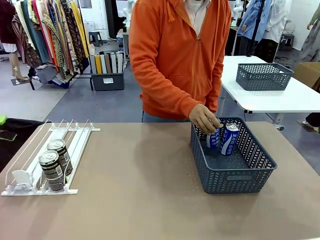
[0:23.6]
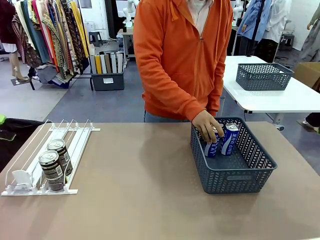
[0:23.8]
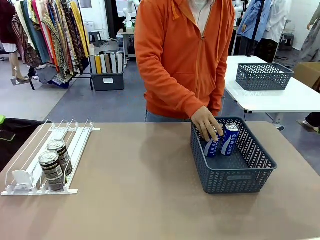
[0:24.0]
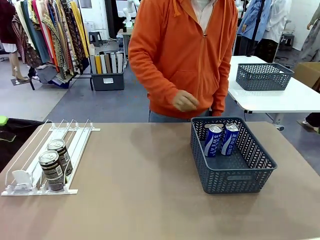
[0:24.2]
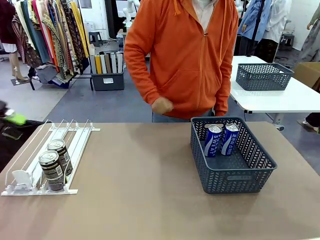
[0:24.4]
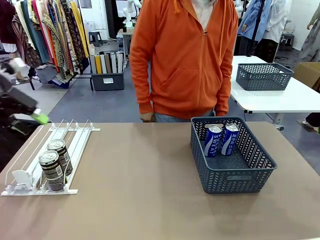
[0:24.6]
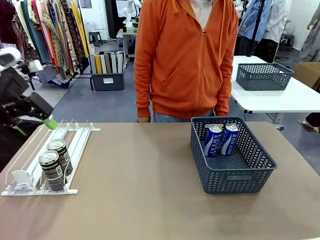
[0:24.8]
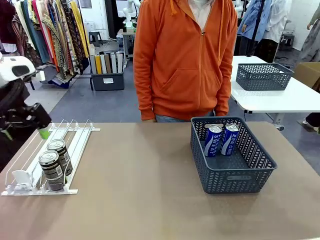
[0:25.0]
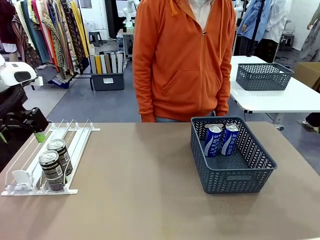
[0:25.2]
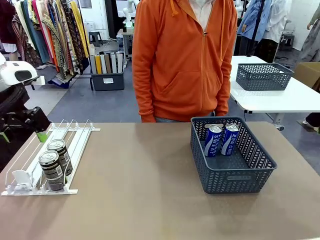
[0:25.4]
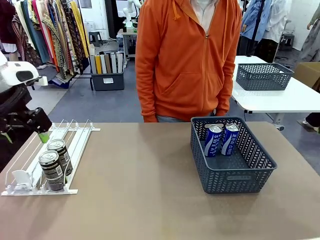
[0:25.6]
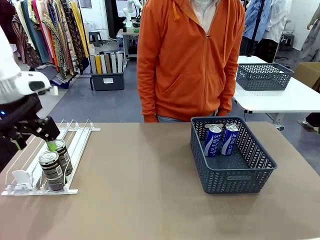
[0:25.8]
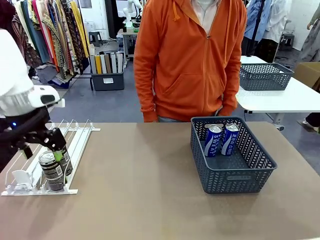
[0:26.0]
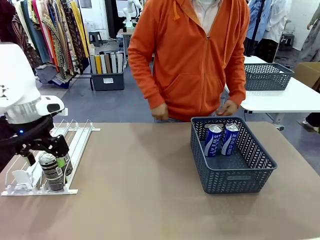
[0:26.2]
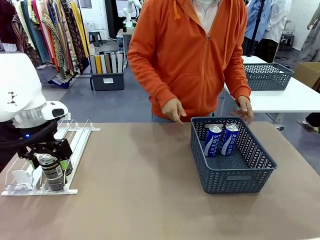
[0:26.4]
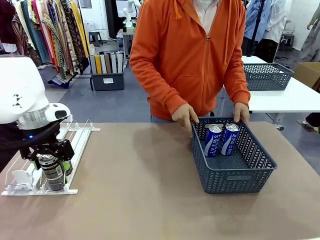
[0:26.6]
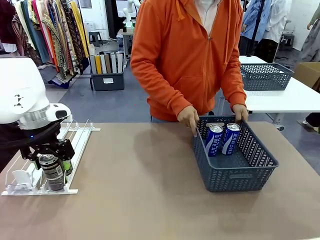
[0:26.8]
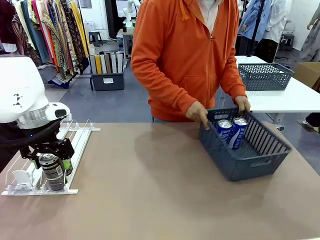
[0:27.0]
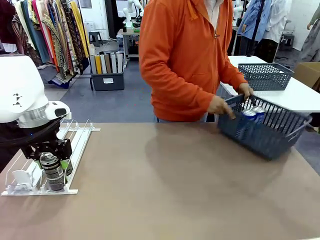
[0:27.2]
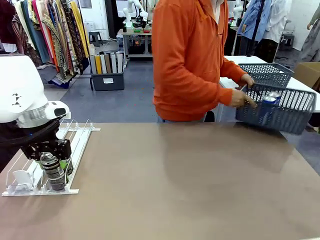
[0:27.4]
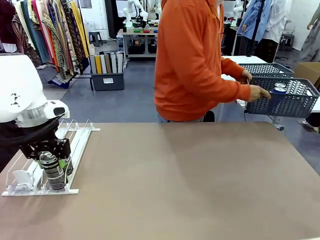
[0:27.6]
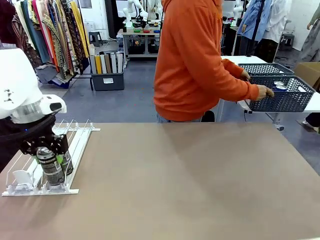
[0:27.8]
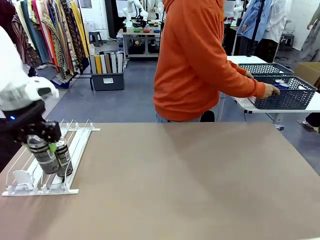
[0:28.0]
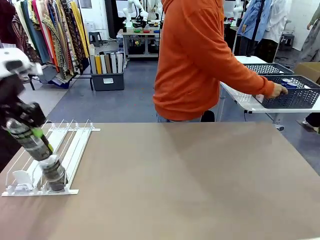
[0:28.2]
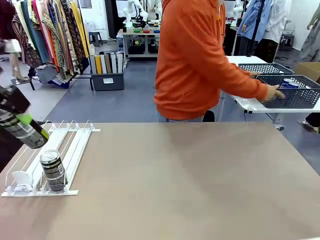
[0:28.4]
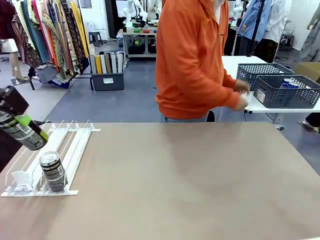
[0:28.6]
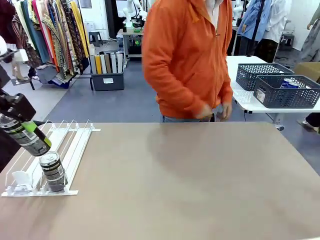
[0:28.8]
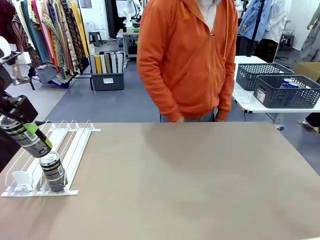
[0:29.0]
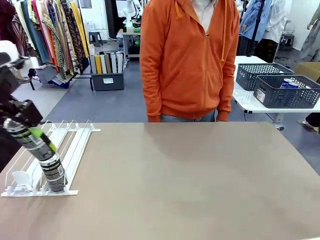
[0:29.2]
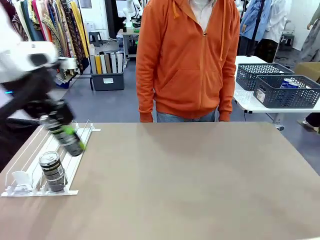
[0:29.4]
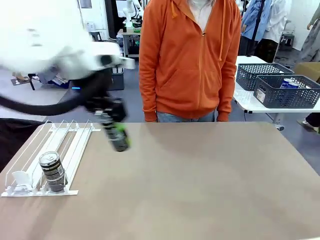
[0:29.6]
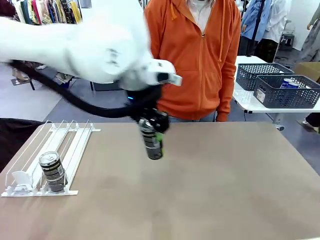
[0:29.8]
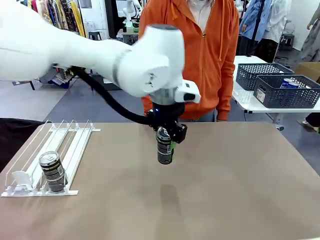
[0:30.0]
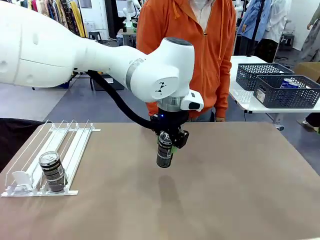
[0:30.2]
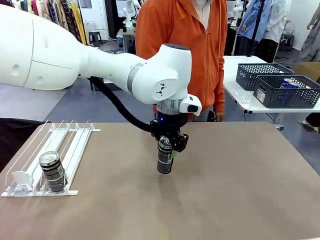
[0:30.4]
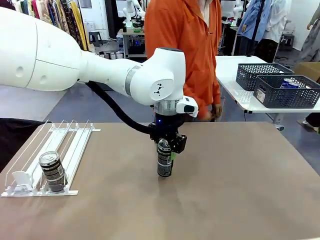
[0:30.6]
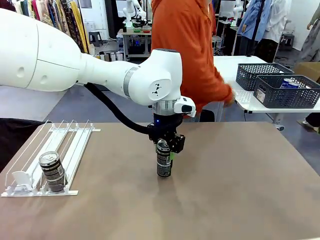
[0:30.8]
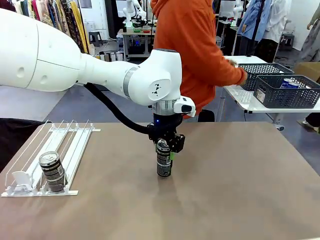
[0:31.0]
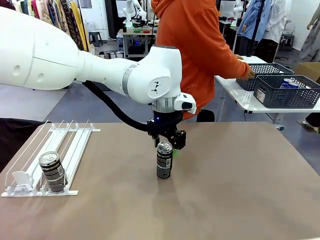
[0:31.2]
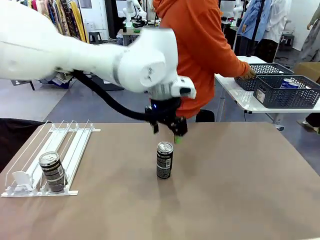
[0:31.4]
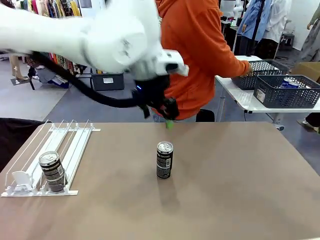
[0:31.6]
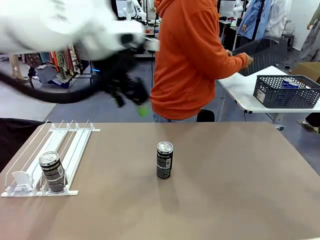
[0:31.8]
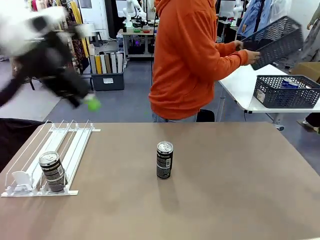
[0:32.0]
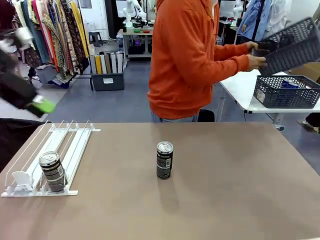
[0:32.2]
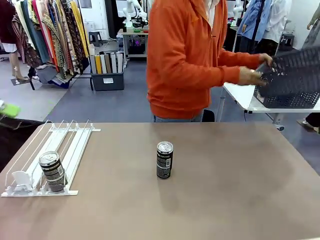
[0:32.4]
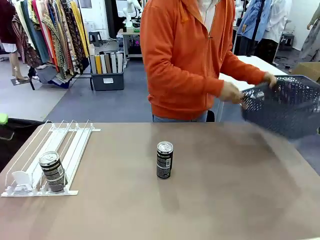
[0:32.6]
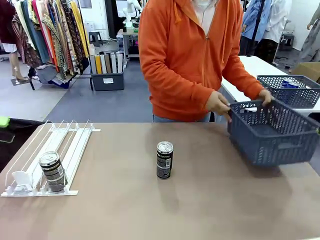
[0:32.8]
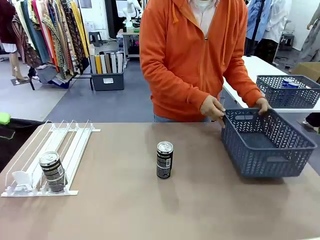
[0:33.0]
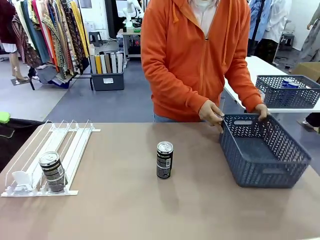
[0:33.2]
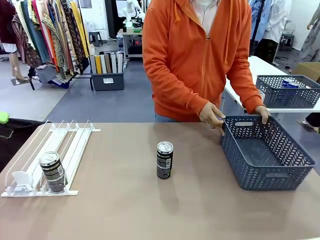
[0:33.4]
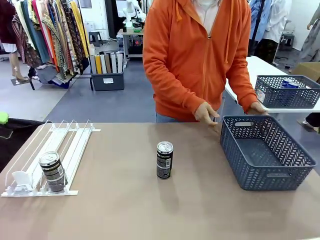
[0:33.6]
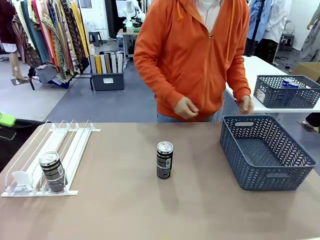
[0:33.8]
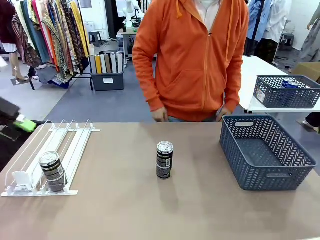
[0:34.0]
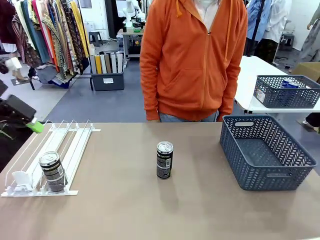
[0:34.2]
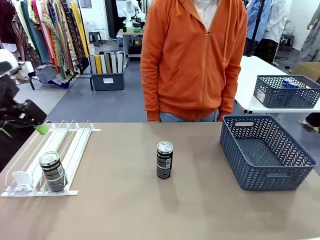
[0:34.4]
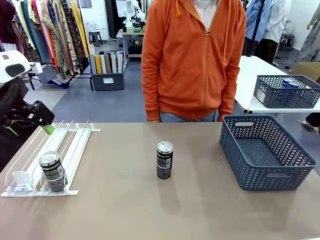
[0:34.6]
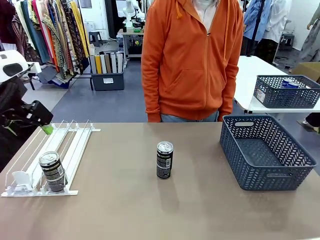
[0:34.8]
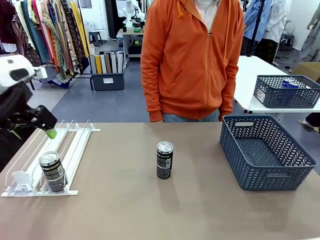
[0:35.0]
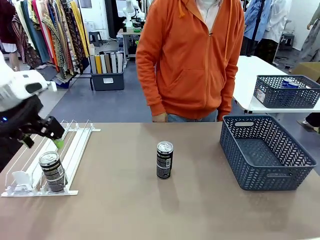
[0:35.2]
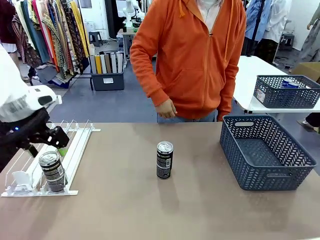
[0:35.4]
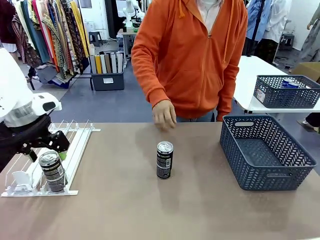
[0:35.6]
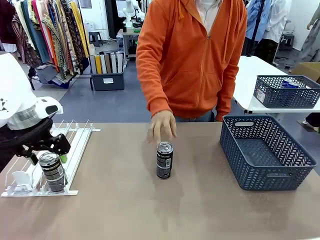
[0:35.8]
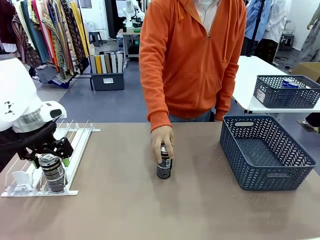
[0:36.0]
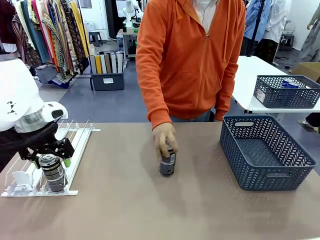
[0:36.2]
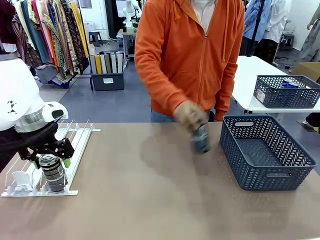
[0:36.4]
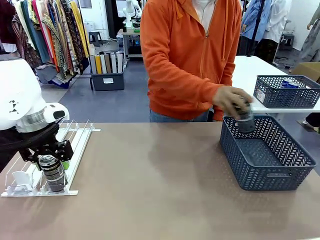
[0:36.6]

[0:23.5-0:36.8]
Task: Retrieve and store the cans from the dispenser.
Robot: Pick up one can from the Automatic Can Dispenser and place it in the middle of the table.
Person: Pick up the basket and place it in the middle of the human table. Pick up the empty basket and place it on the left side of the robot table.

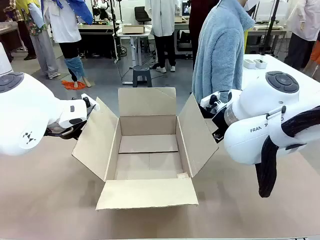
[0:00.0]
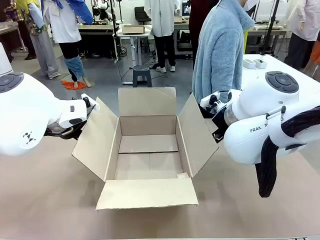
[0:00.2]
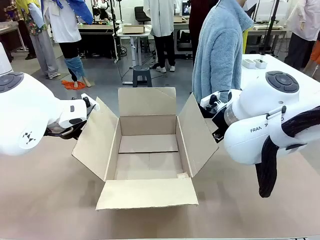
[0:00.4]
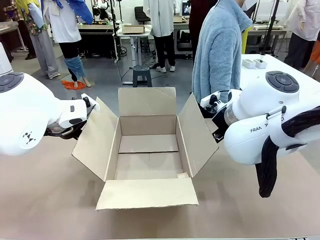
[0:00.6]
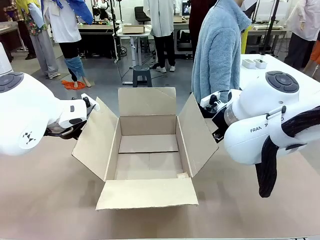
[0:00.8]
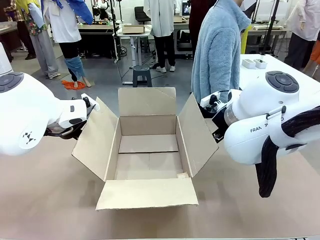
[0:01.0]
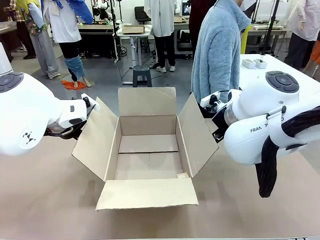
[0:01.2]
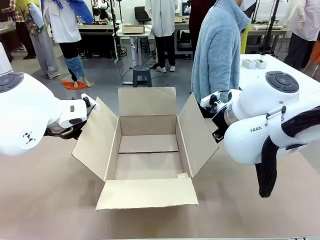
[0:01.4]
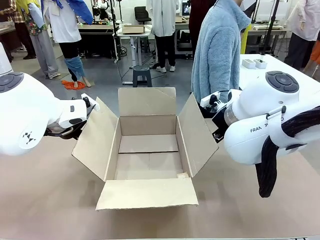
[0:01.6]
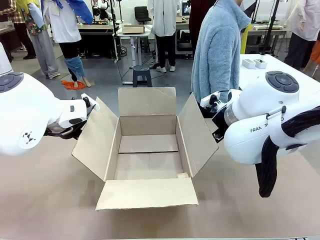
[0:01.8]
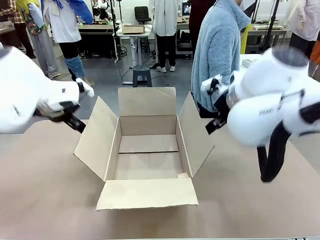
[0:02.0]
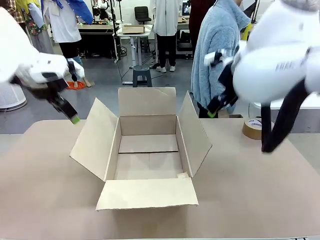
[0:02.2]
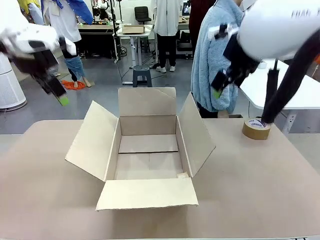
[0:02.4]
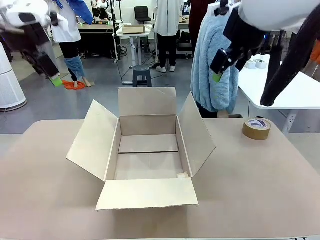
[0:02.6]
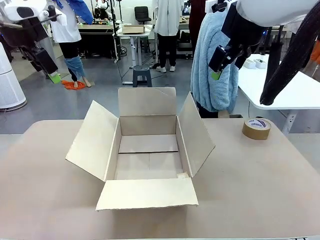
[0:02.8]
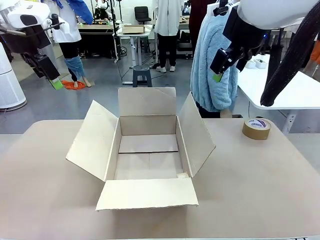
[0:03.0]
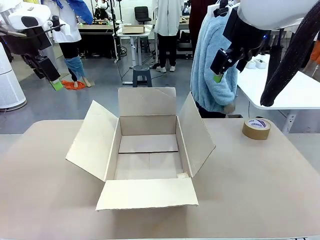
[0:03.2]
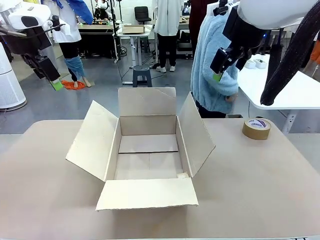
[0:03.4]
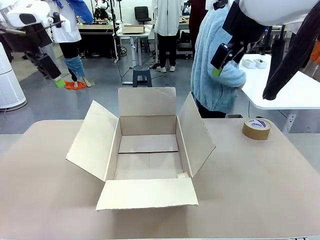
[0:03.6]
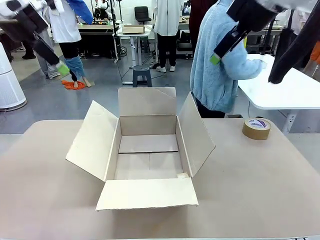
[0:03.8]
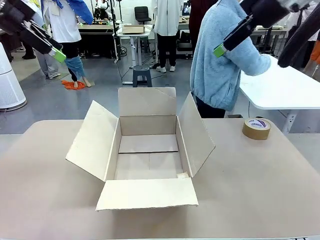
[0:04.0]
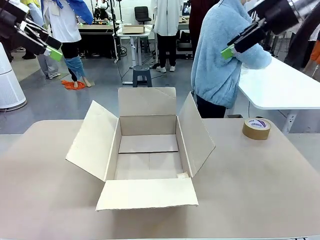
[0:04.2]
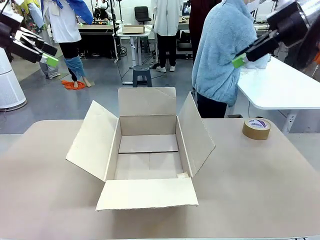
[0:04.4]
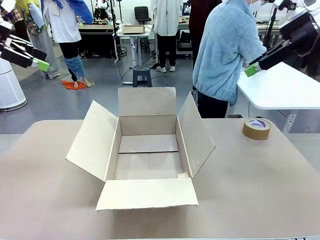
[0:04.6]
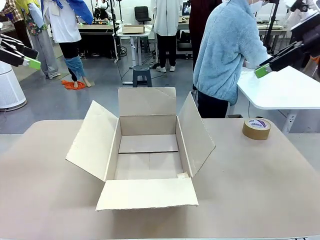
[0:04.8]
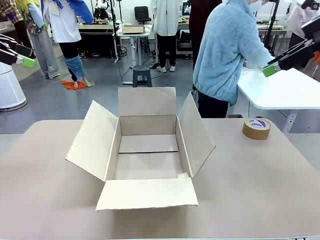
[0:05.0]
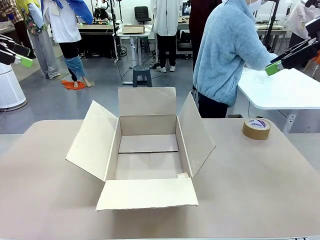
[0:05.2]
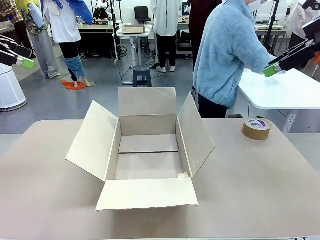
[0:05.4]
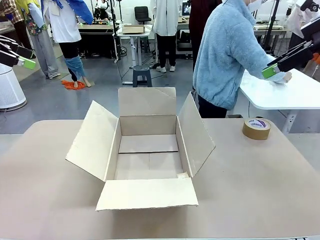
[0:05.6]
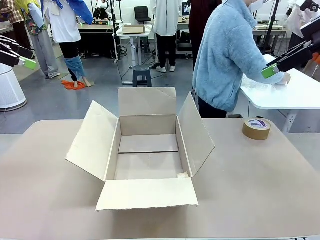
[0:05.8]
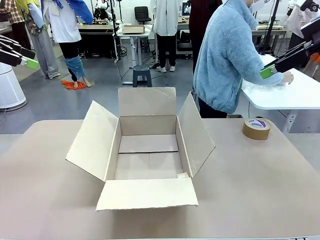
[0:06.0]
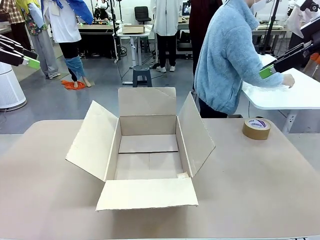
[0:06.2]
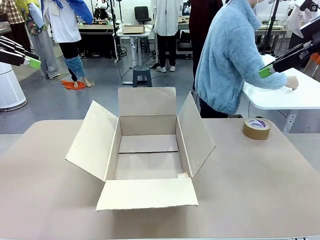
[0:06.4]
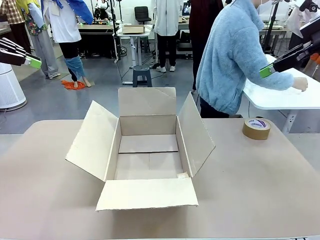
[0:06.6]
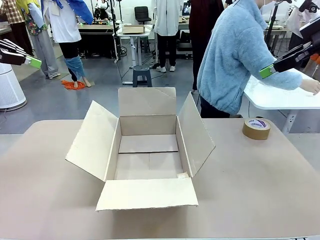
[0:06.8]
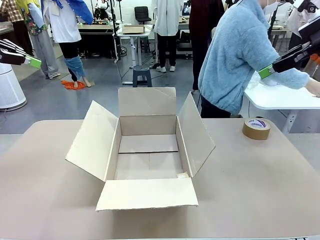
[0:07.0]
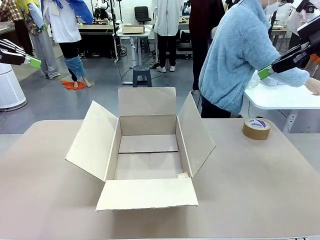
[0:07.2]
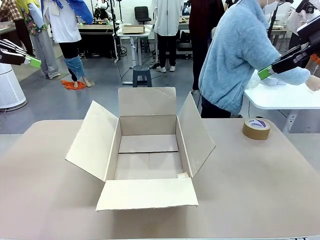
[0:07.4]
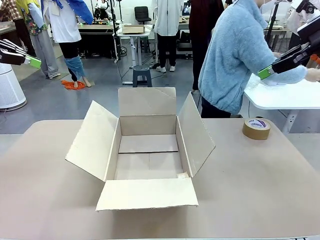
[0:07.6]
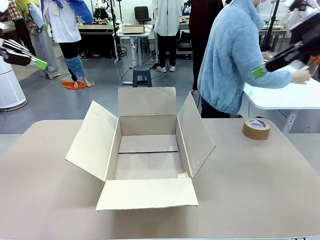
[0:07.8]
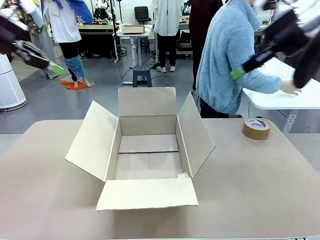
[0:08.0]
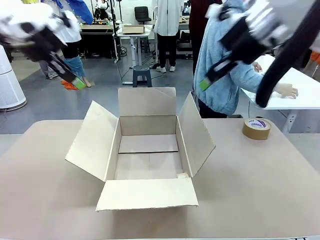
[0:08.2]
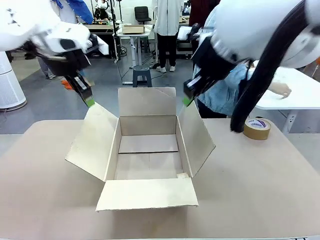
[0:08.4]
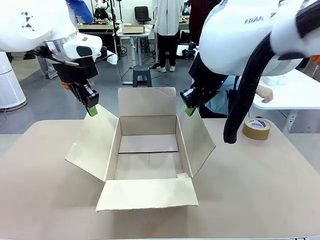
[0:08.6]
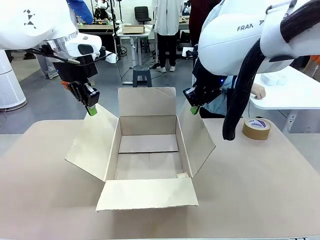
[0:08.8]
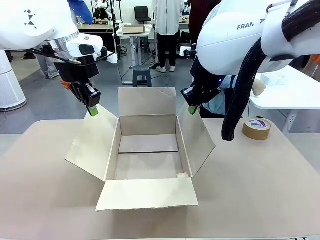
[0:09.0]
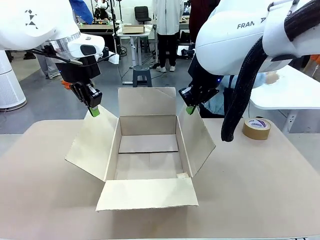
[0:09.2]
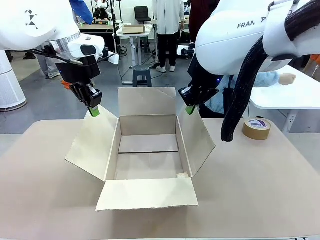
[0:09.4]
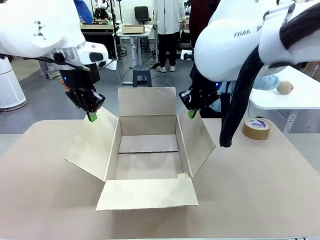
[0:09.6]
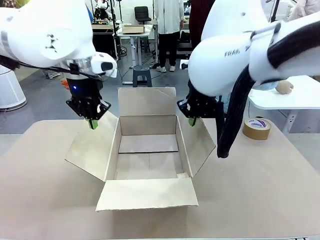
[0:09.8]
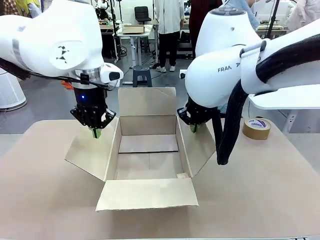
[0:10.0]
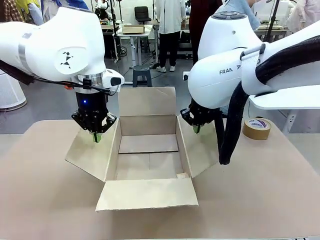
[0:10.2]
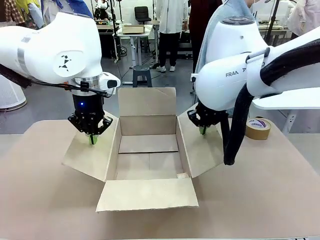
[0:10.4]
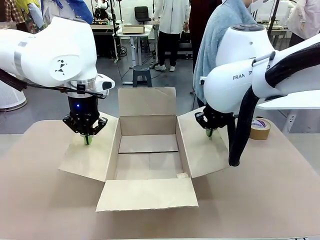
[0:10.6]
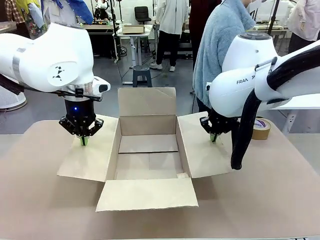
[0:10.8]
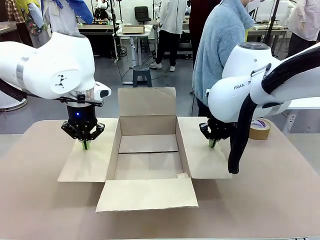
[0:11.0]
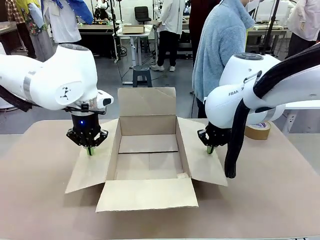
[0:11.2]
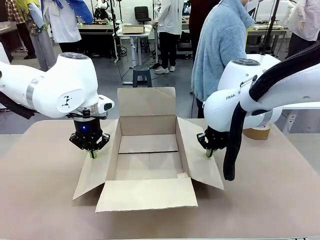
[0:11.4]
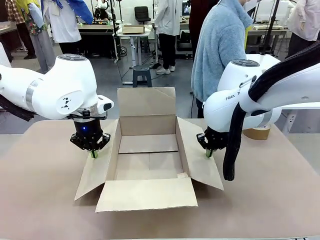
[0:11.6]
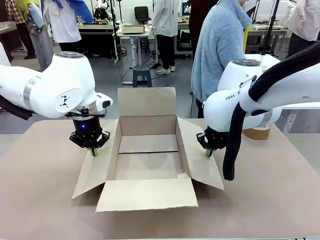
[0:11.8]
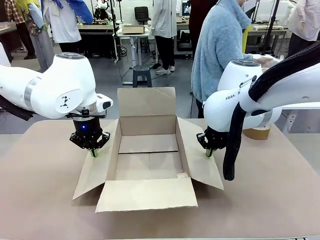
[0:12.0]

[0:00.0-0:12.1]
Task: Wrap the clocks to prevent damage.
Robot: Open the side flaps of the Package Box.
Person: Wrap the two Digital clocks with Bubble Wrap.
